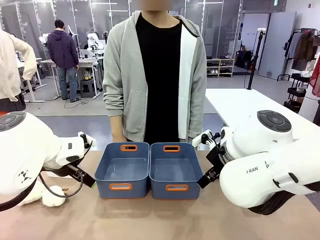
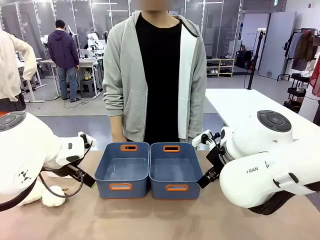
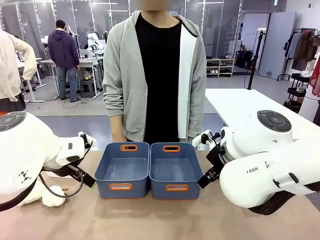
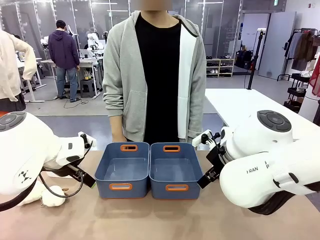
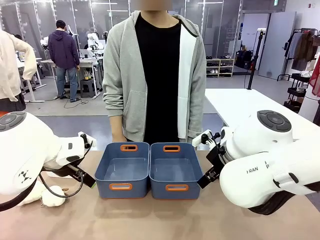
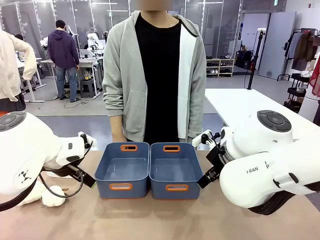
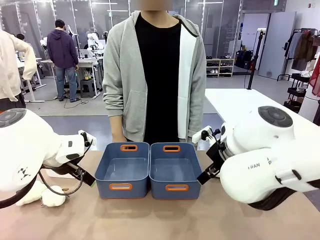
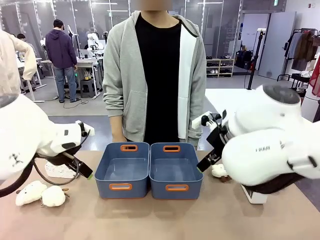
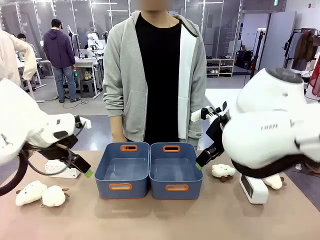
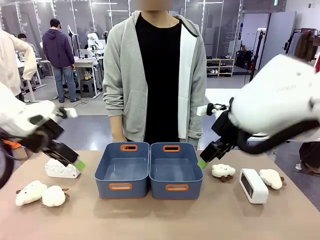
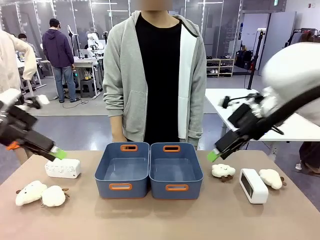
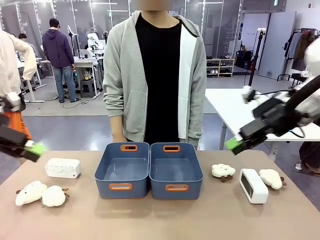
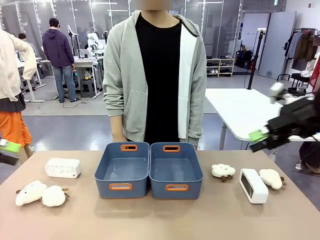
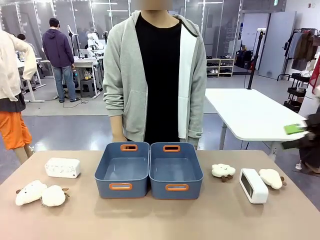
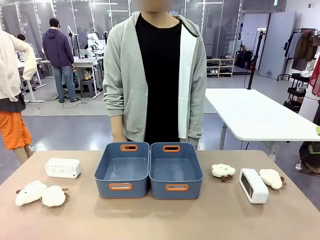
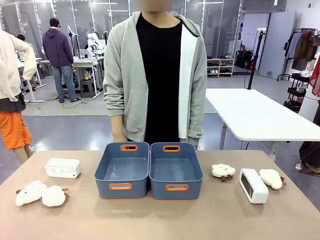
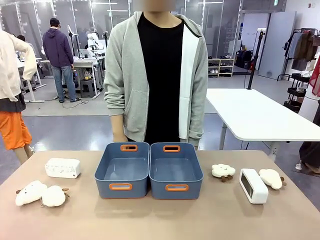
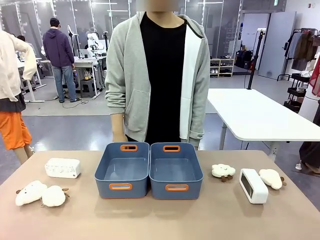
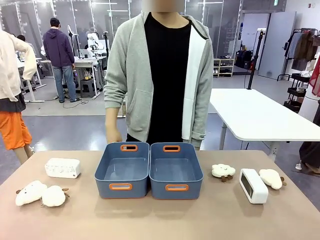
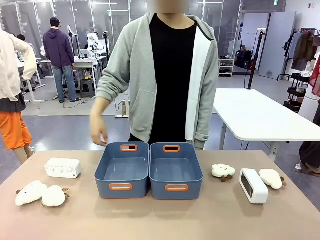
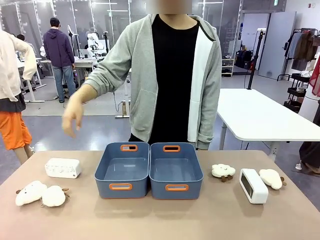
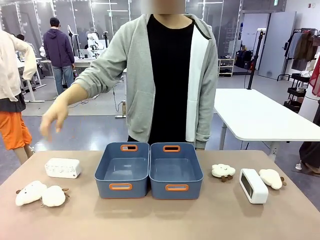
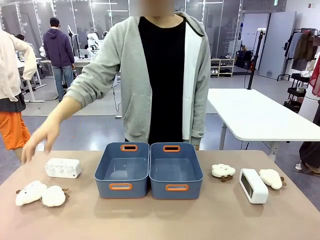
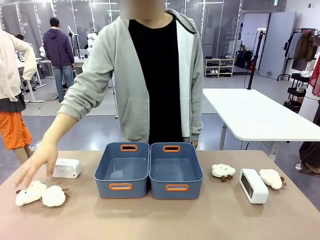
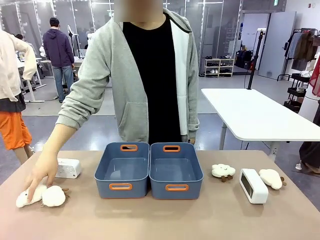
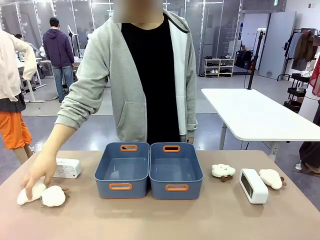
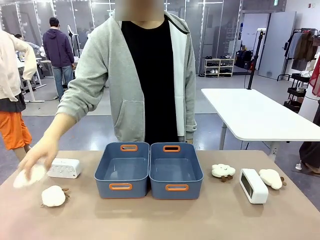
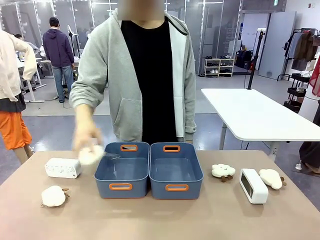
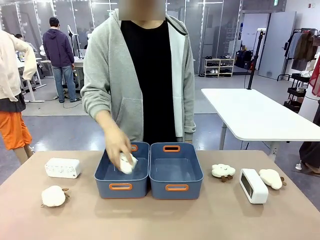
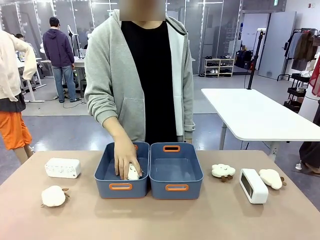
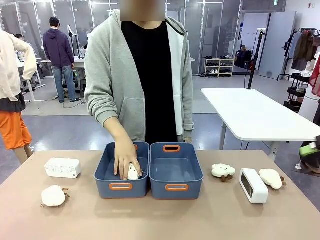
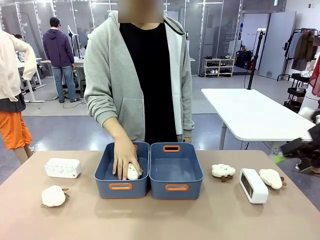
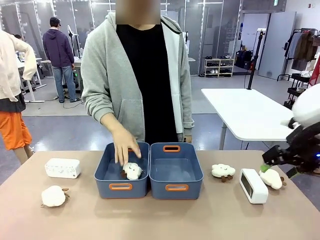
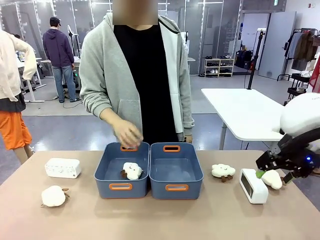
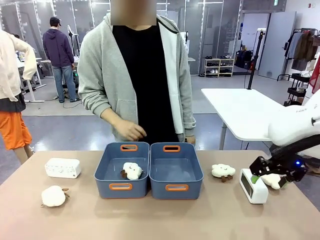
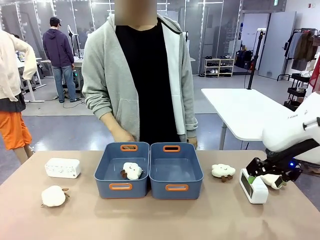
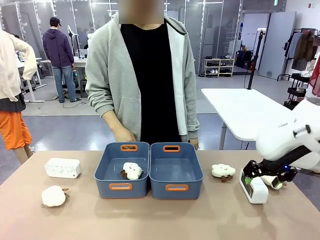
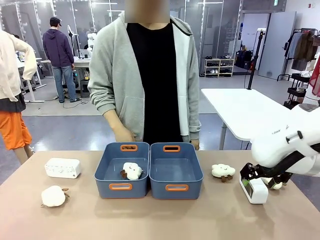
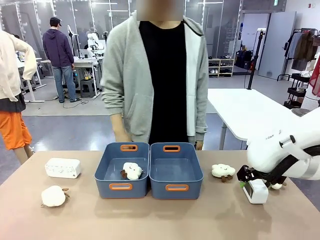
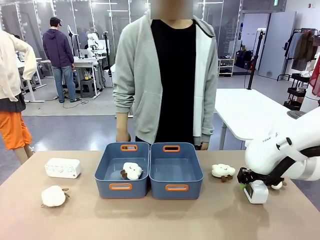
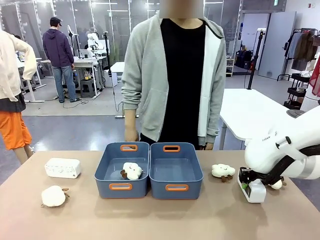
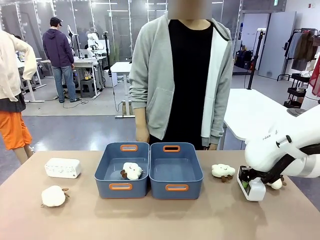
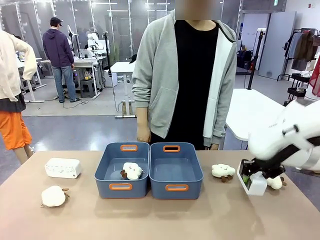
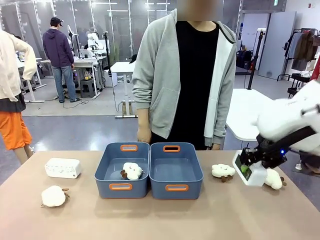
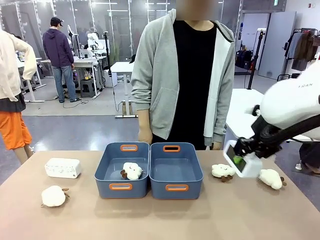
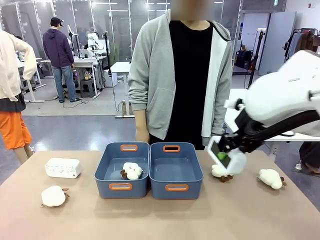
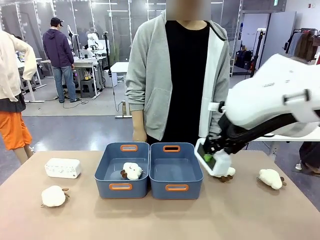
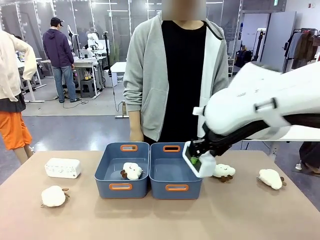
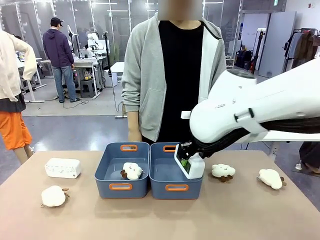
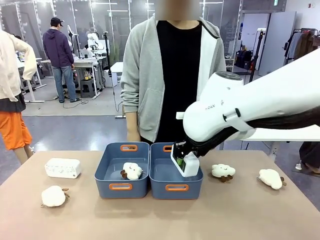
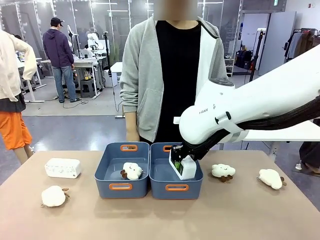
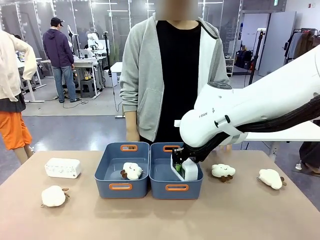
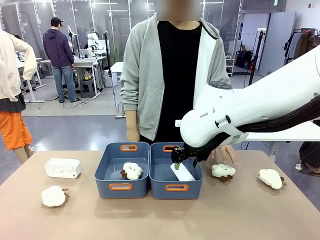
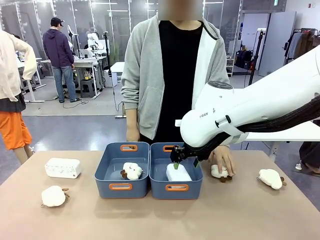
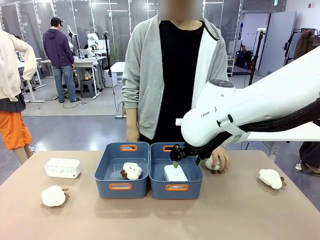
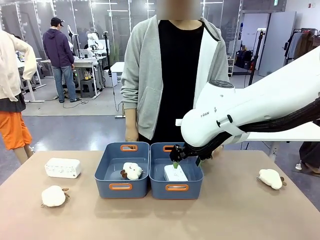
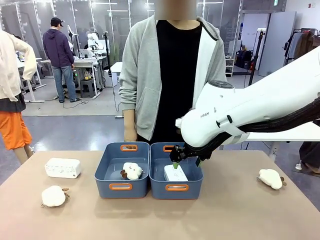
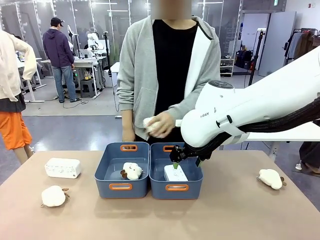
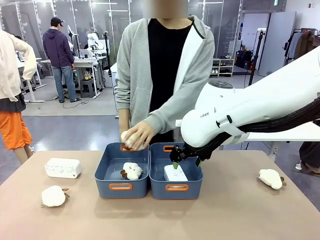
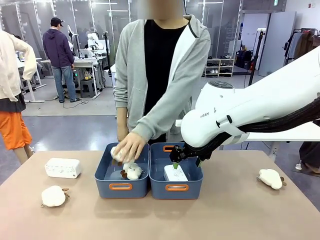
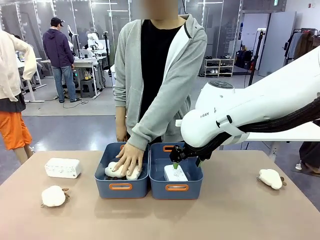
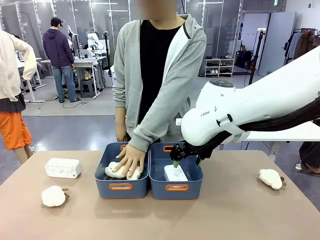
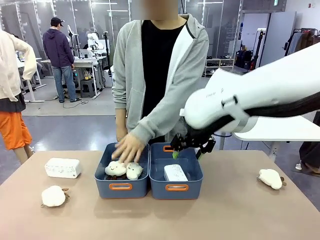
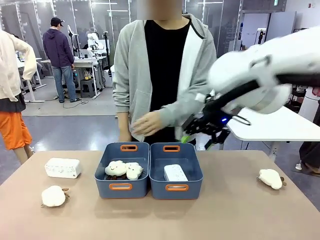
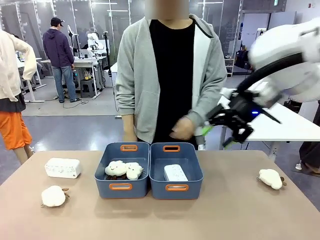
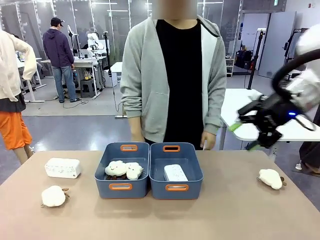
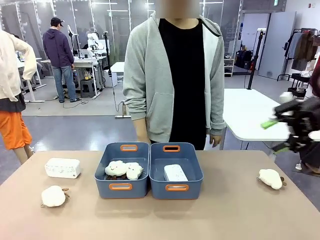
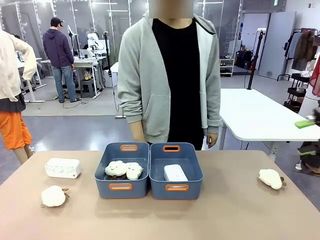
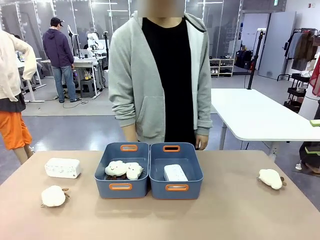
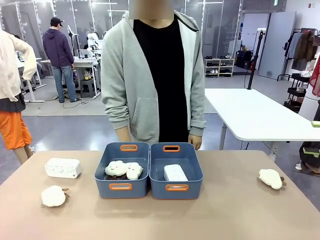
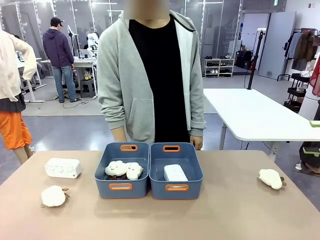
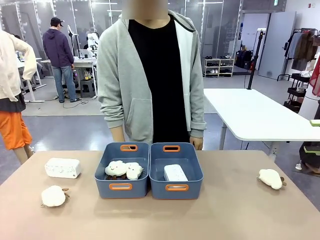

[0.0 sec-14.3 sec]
Task: Sort the digital clocks into the basket.
Robot: Pick up the Digital clock from the table and place it into the empty Plastic storage basket.
Person: Pick up a plush toy from the table and place it in a plastic storage basket.
